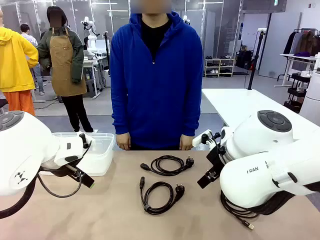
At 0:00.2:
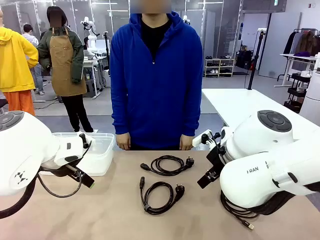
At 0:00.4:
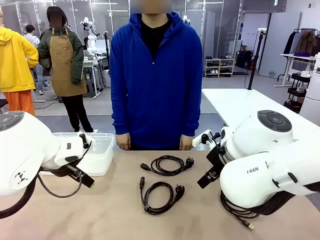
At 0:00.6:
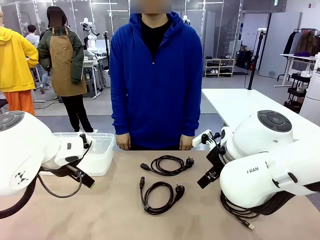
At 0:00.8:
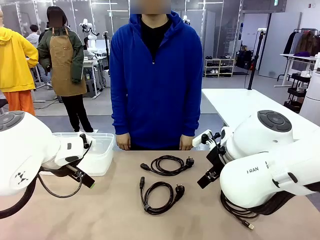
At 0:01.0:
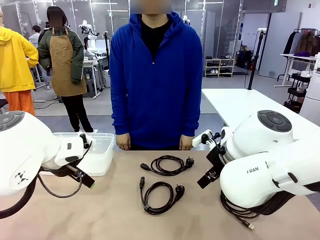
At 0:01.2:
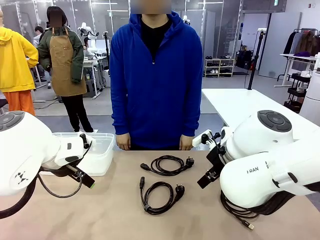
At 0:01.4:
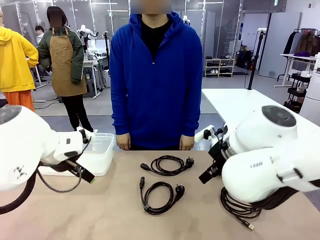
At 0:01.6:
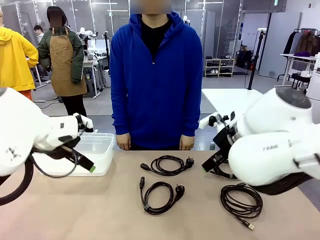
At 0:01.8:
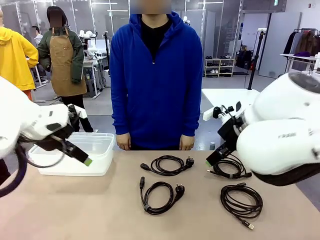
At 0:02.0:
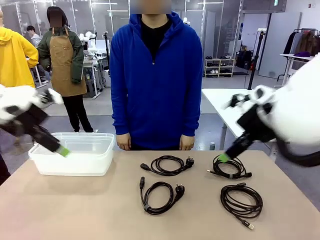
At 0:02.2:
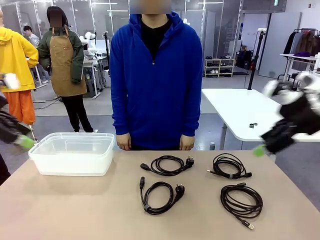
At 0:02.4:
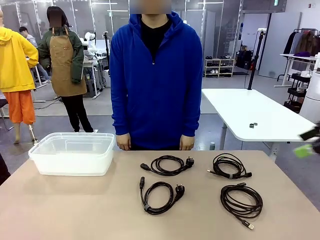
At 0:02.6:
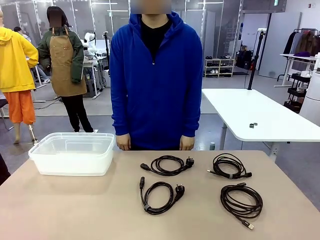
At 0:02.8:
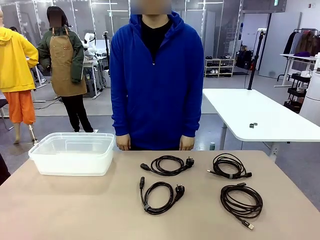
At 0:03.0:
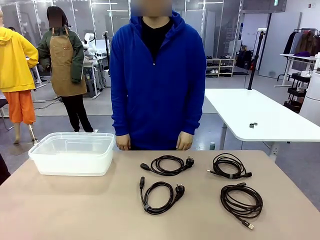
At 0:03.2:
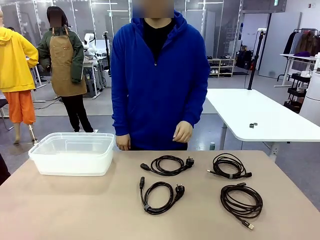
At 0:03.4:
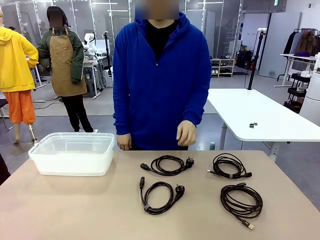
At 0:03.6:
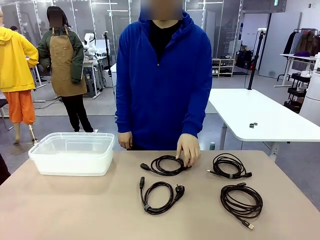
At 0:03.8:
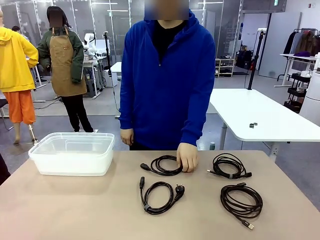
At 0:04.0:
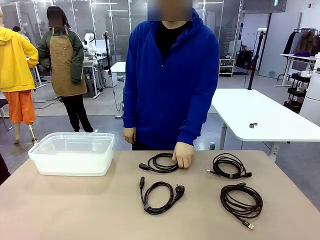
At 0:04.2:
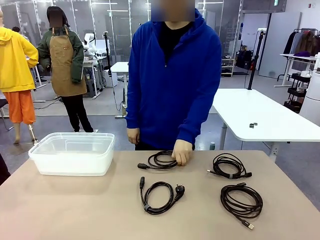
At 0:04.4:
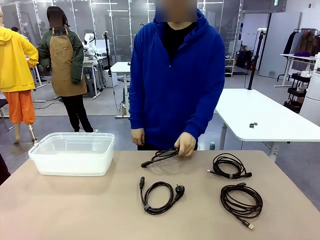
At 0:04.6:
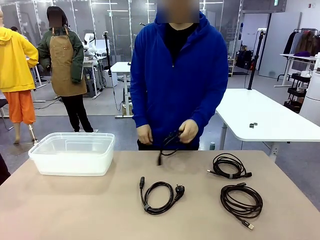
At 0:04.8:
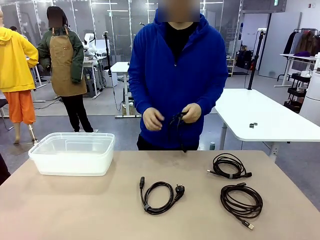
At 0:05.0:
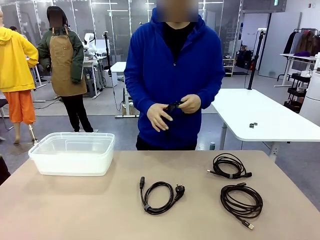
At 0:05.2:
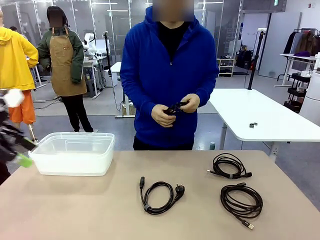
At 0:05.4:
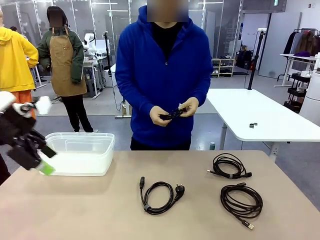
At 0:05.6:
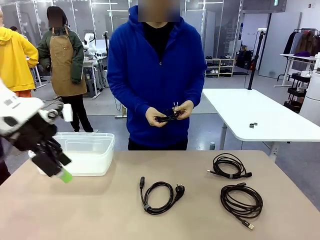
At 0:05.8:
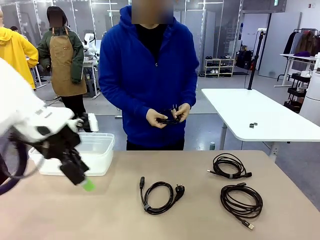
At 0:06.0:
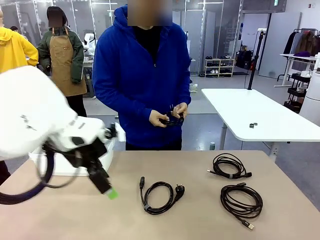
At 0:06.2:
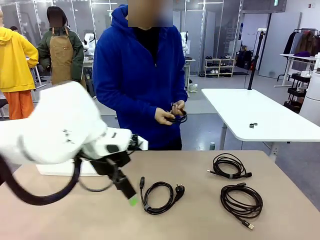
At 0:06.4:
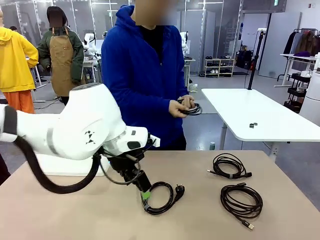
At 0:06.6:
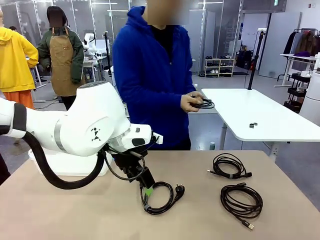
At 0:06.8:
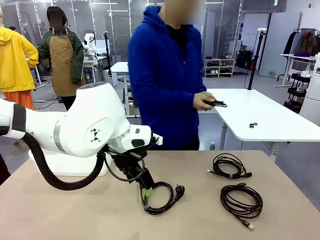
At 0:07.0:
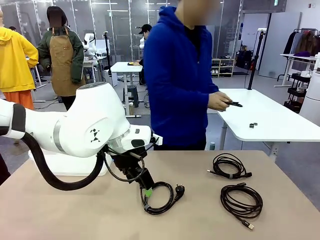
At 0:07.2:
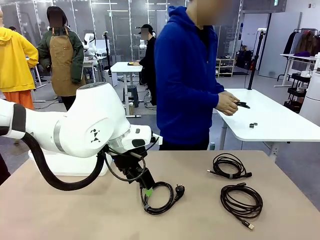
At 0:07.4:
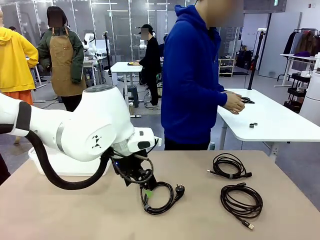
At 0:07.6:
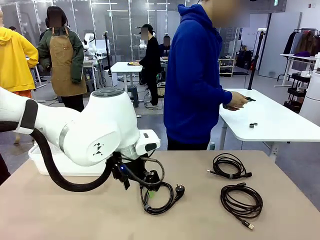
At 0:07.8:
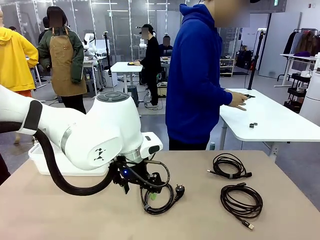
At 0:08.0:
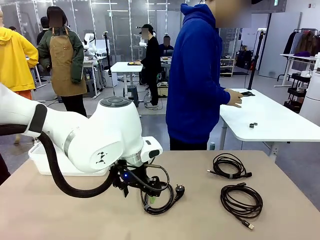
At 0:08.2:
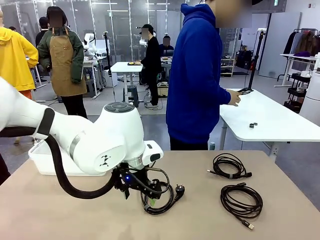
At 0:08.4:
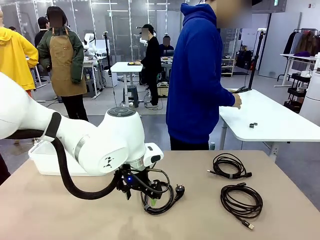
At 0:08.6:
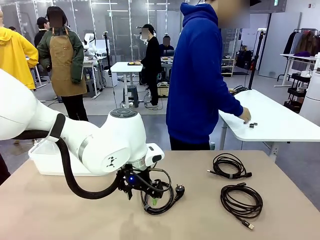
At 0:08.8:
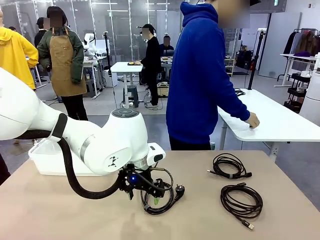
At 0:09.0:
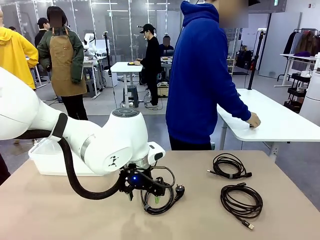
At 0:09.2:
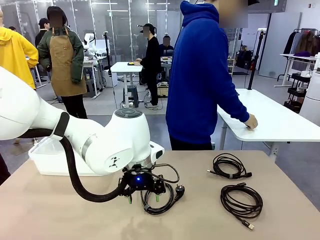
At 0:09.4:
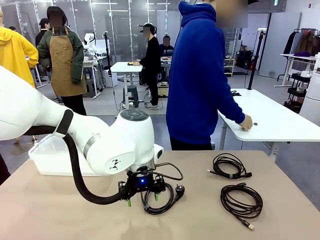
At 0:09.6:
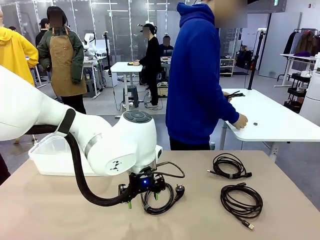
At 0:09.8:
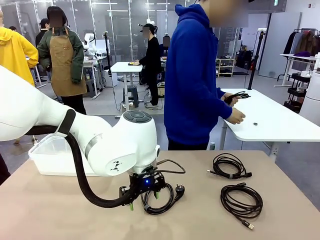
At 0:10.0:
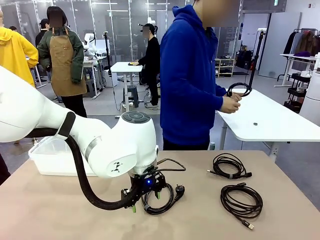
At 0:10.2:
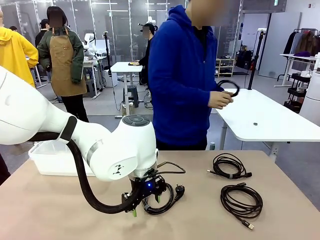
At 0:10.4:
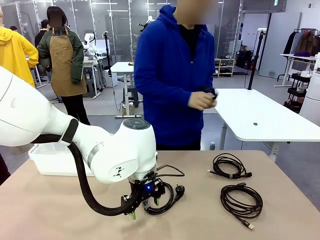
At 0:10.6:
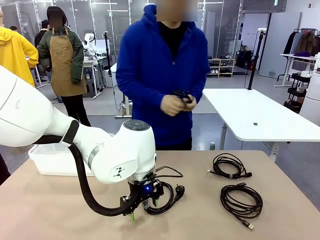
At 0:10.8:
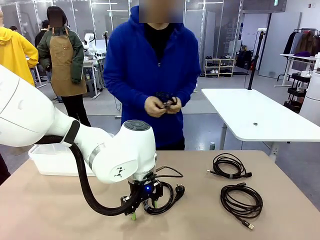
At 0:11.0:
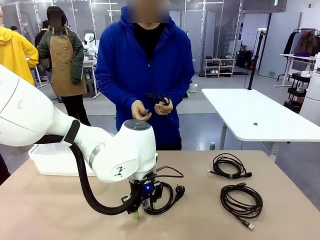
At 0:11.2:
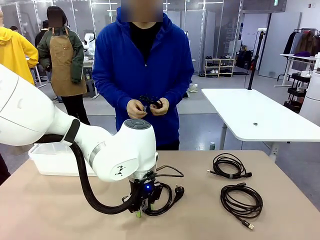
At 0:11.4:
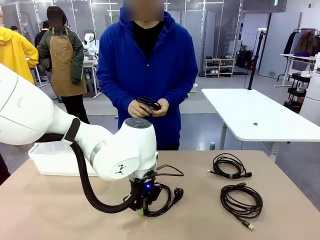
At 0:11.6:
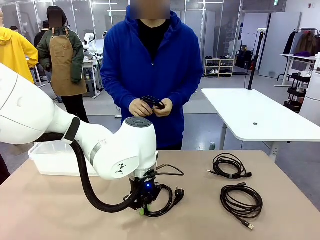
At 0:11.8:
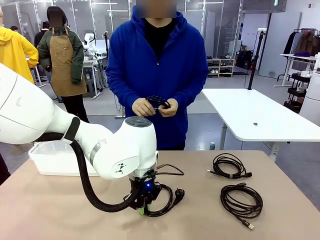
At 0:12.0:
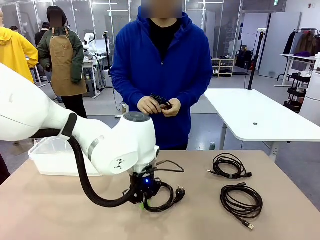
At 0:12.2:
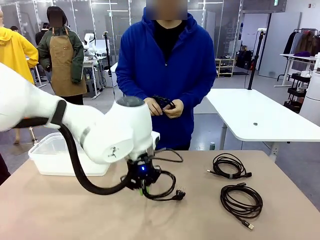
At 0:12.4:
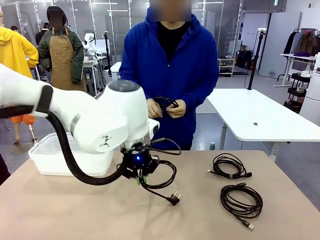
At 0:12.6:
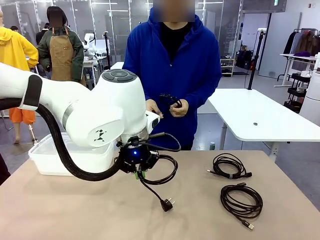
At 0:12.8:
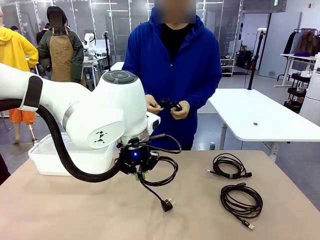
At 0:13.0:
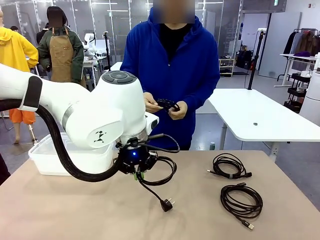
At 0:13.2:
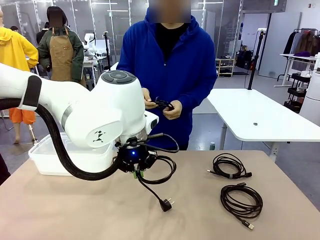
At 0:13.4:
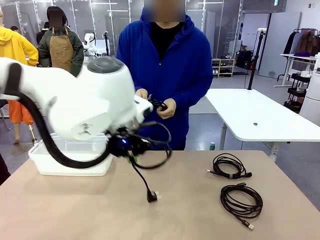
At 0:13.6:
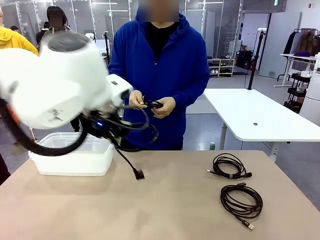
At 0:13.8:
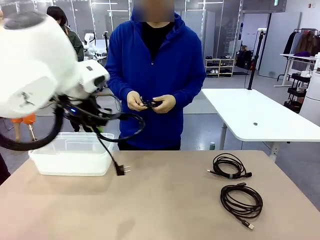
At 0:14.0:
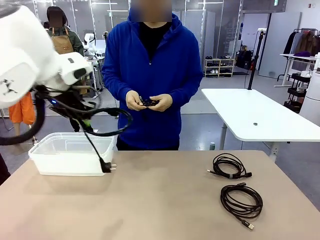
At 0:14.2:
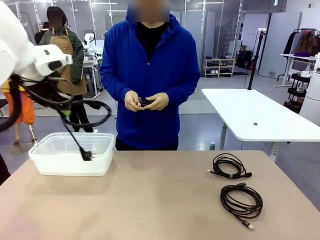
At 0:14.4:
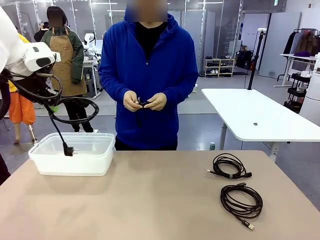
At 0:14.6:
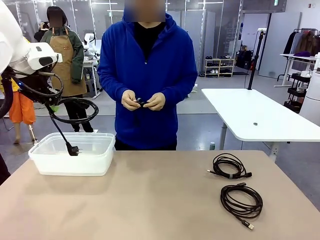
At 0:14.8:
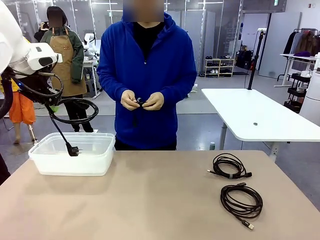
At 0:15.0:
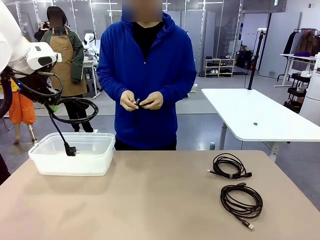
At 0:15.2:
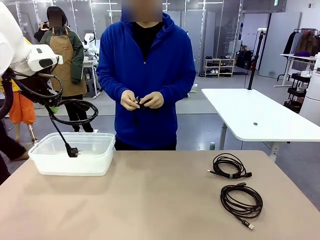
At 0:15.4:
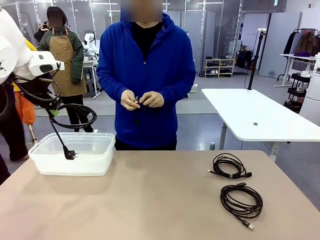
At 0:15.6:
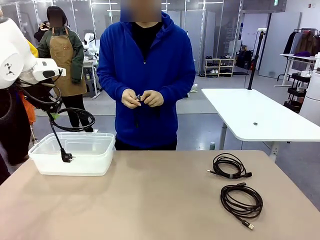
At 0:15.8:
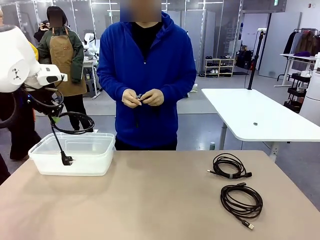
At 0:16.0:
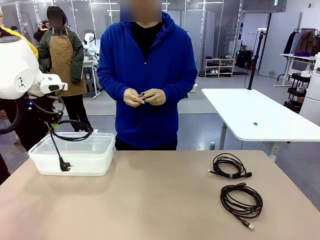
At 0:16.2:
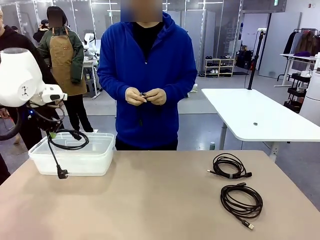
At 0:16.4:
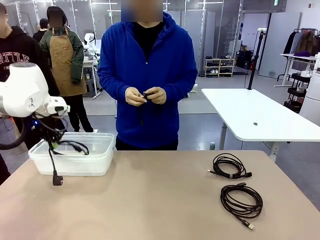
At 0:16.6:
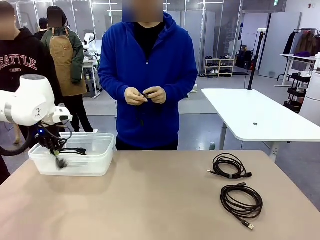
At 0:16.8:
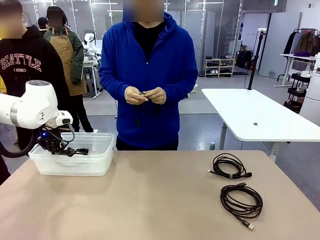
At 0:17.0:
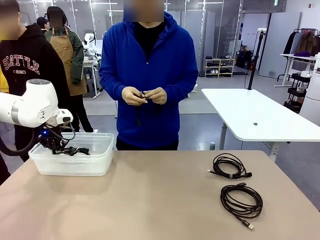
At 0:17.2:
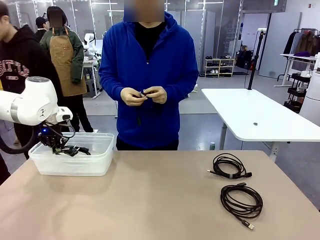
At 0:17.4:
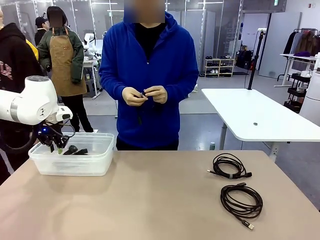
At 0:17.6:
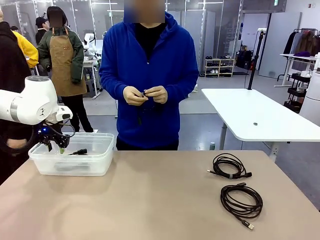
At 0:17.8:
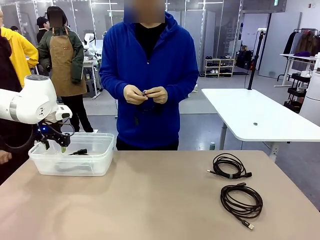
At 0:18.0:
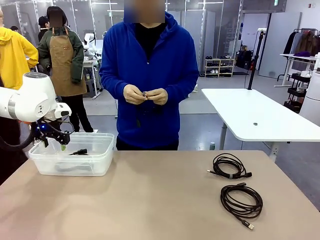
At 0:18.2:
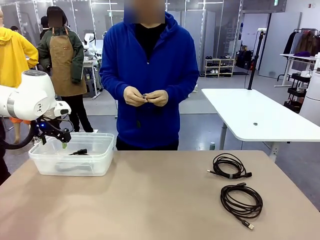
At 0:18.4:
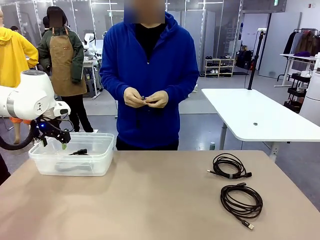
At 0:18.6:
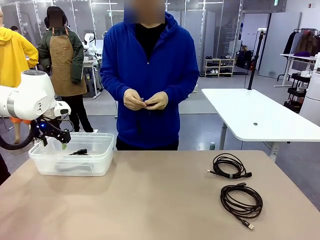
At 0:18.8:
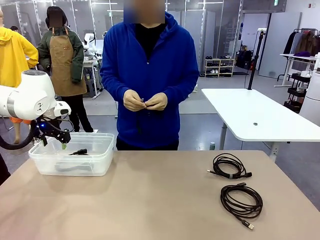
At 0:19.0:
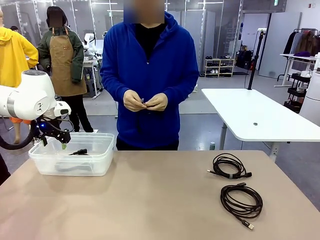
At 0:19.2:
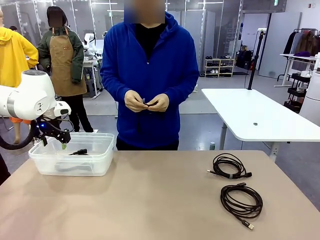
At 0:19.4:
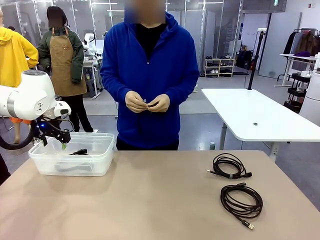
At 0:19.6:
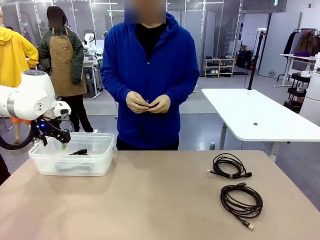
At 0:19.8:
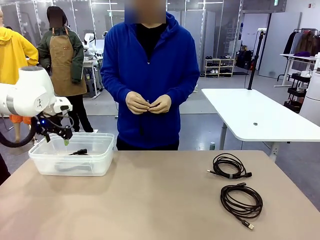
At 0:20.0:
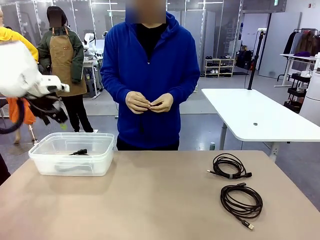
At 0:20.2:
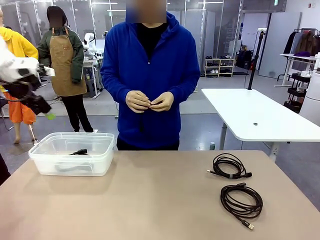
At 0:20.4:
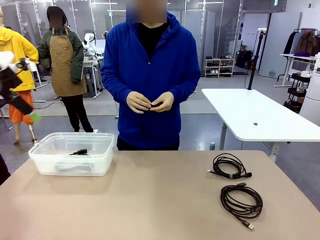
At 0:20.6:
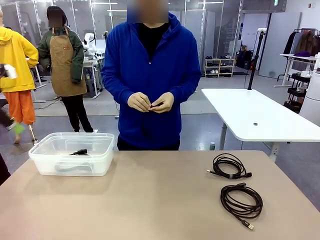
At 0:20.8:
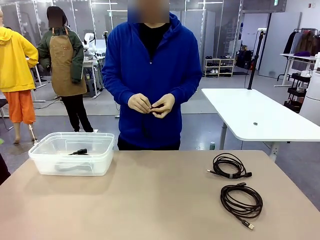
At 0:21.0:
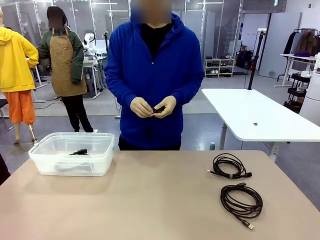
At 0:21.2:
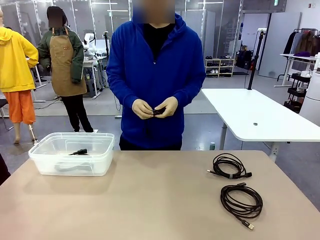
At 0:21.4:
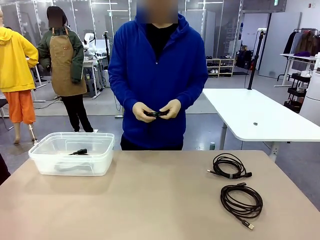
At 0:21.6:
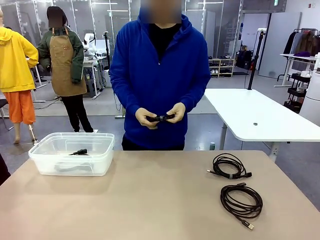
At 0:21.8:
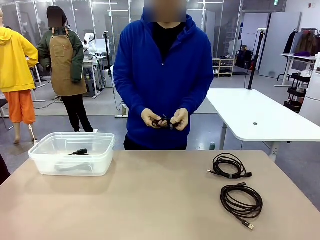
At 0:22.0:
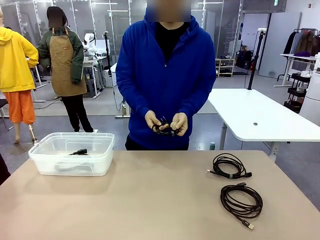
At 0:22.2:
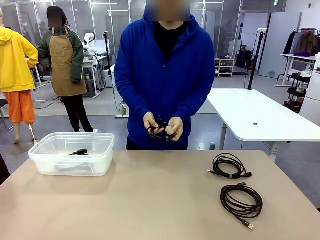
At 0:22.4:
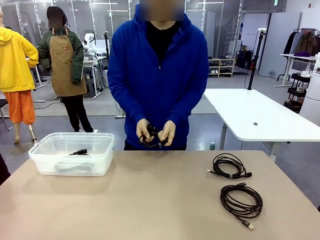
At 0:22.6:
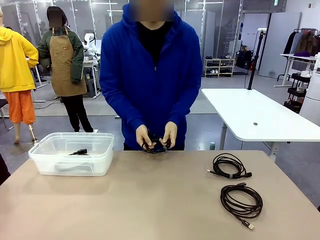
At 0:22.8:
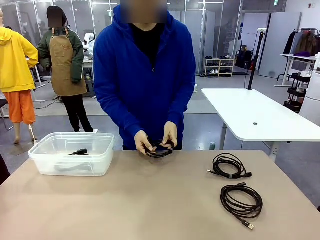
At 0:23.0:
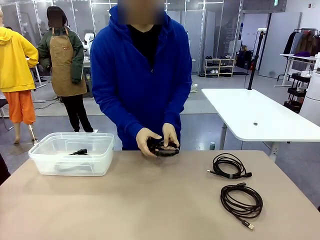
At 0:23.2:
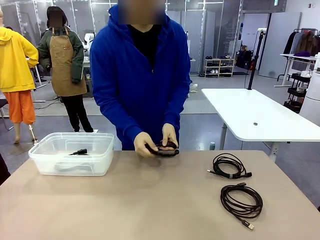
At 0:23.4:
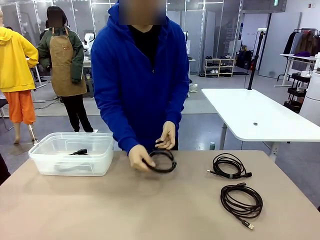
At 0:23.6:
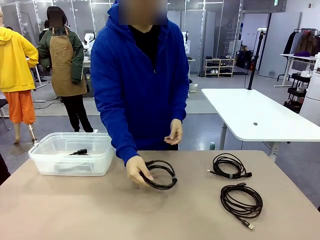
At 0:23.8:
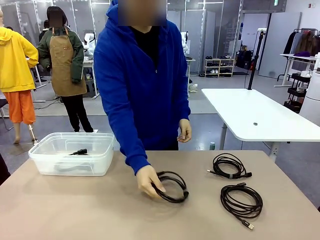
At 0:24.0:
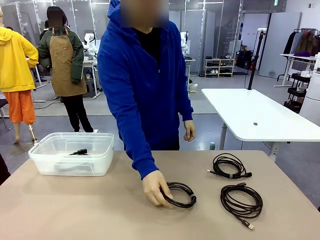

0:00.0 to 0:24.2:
Task: Organize and store the cables.
Robot: Place the Power Cable into the Organizing box.
Person: Tie one Power Cable with a Reusable Cable Tie.
